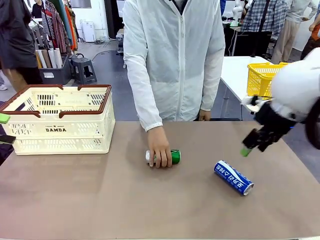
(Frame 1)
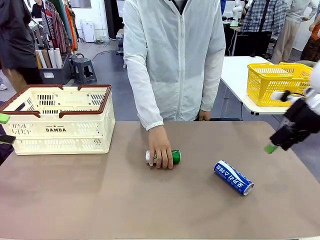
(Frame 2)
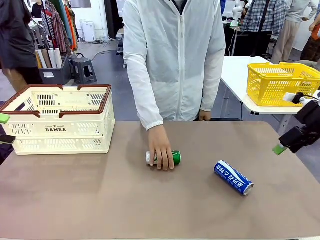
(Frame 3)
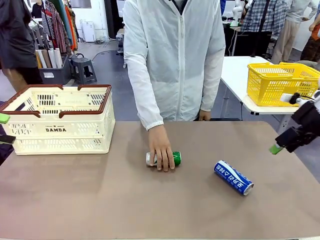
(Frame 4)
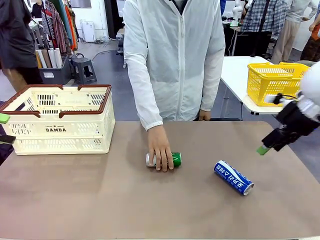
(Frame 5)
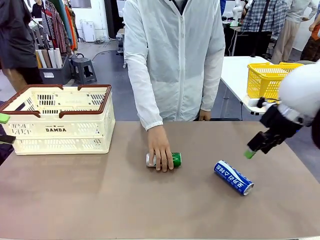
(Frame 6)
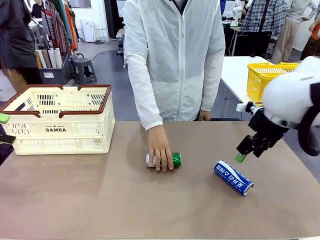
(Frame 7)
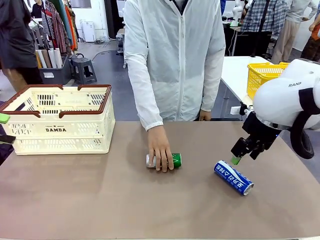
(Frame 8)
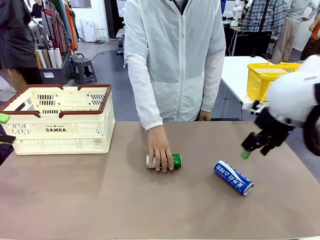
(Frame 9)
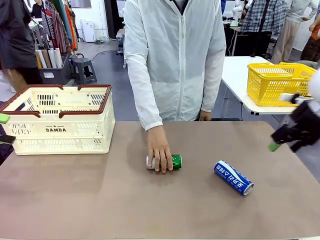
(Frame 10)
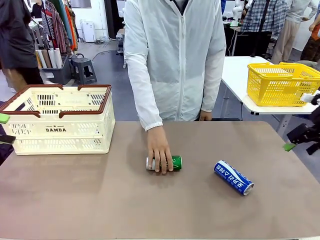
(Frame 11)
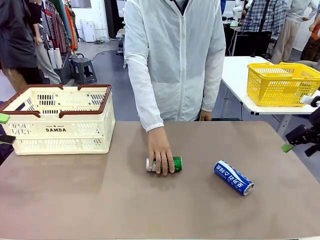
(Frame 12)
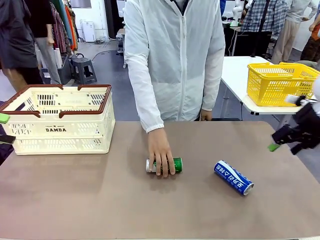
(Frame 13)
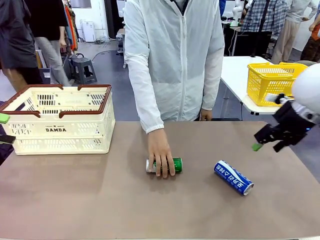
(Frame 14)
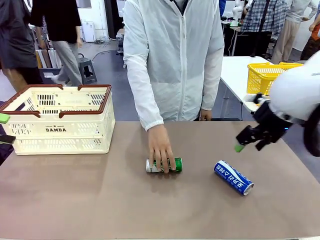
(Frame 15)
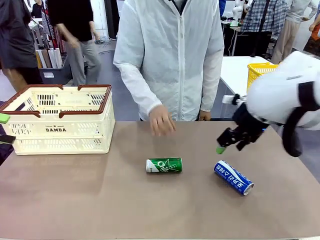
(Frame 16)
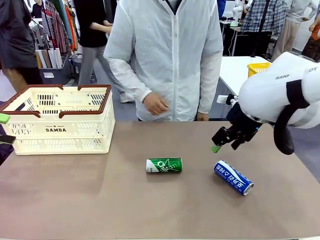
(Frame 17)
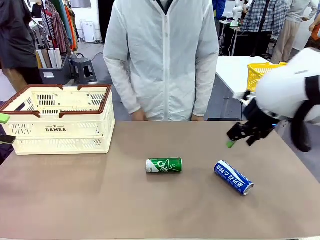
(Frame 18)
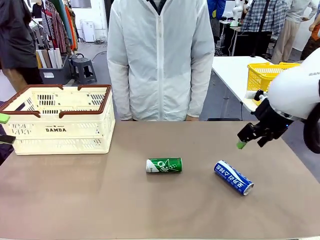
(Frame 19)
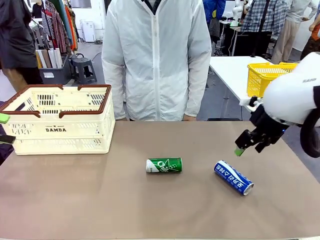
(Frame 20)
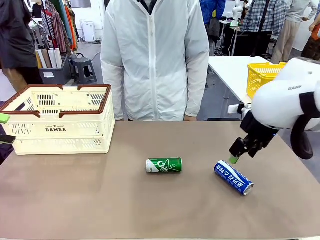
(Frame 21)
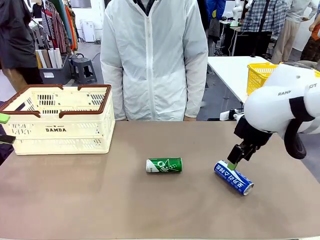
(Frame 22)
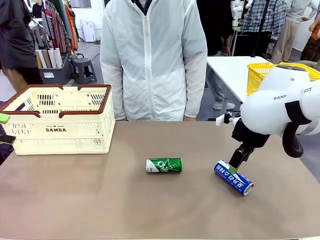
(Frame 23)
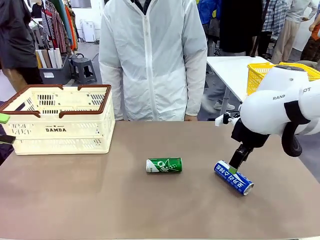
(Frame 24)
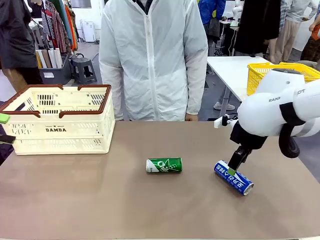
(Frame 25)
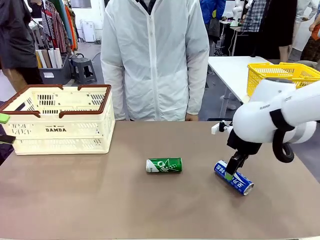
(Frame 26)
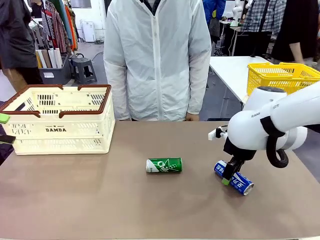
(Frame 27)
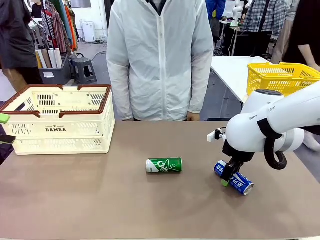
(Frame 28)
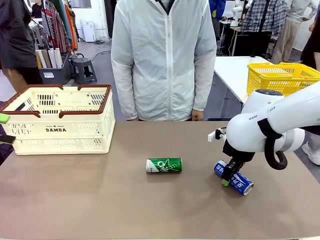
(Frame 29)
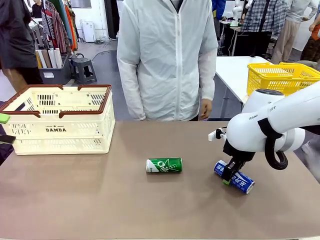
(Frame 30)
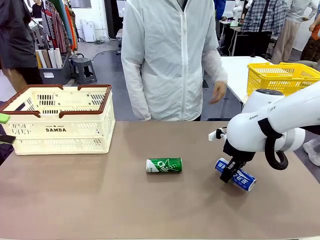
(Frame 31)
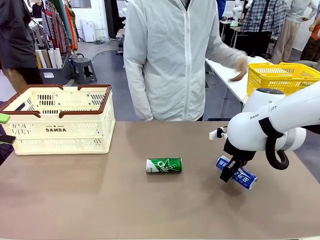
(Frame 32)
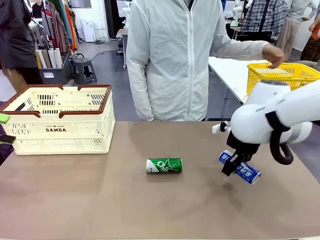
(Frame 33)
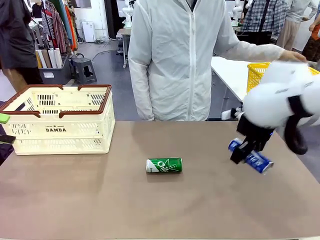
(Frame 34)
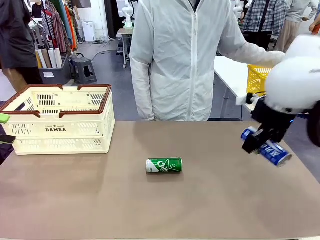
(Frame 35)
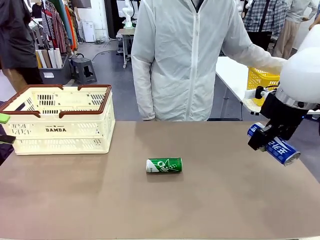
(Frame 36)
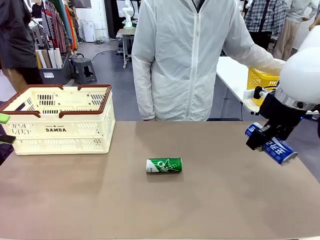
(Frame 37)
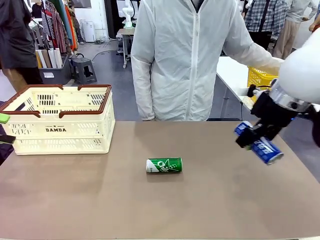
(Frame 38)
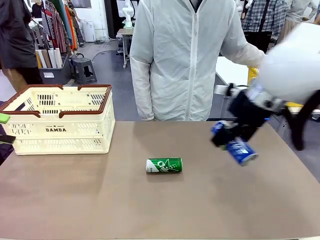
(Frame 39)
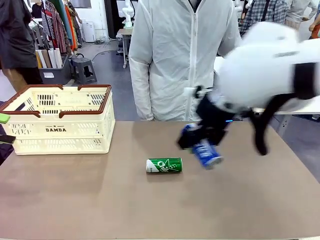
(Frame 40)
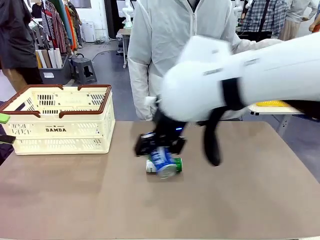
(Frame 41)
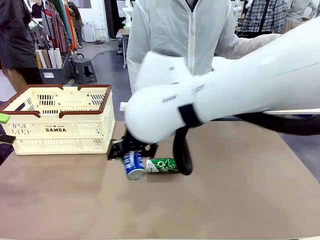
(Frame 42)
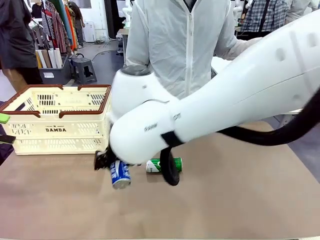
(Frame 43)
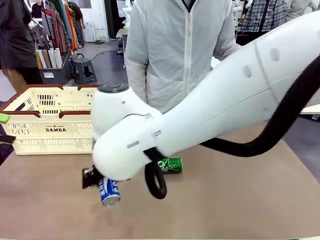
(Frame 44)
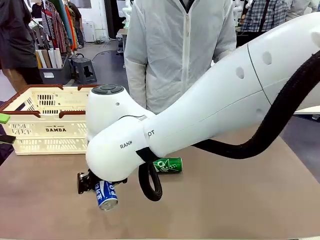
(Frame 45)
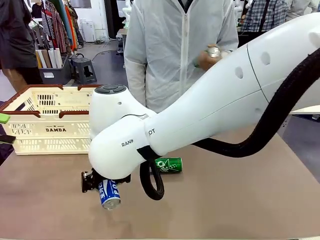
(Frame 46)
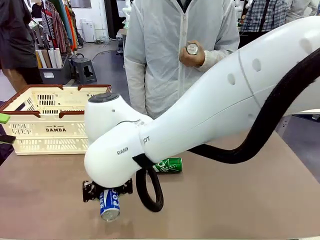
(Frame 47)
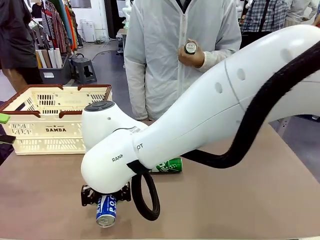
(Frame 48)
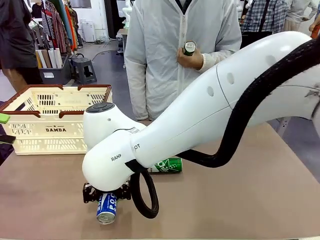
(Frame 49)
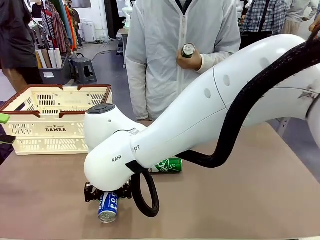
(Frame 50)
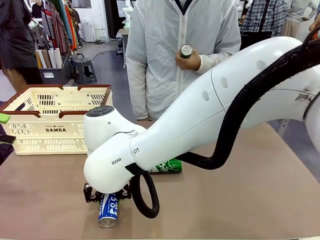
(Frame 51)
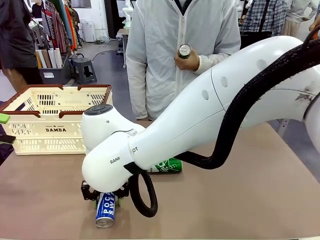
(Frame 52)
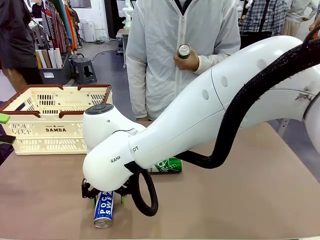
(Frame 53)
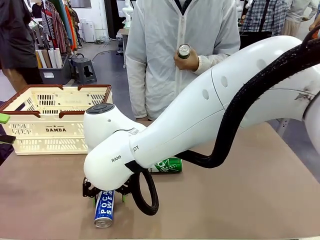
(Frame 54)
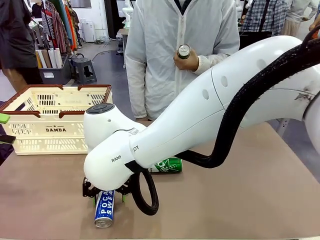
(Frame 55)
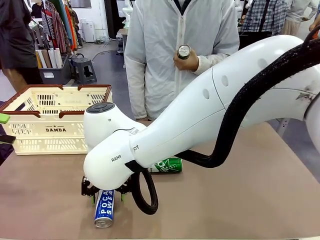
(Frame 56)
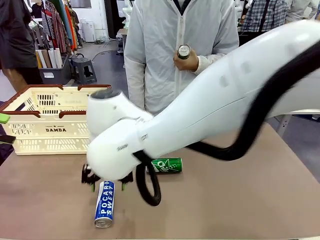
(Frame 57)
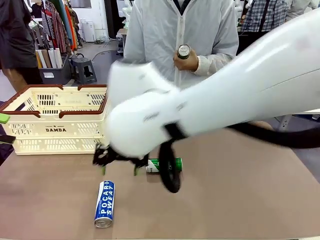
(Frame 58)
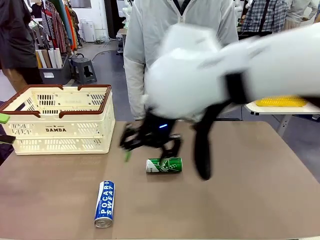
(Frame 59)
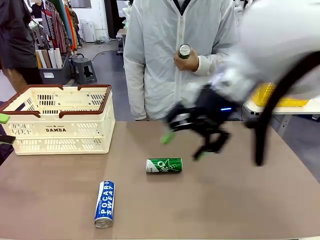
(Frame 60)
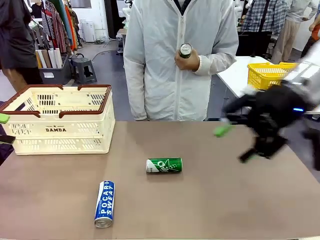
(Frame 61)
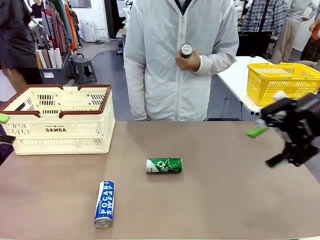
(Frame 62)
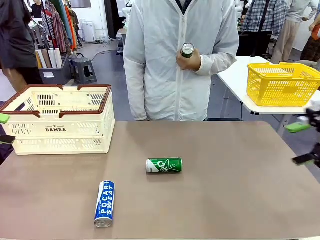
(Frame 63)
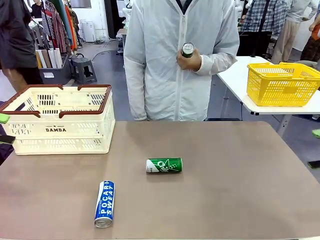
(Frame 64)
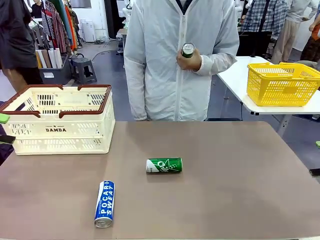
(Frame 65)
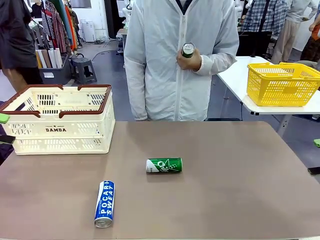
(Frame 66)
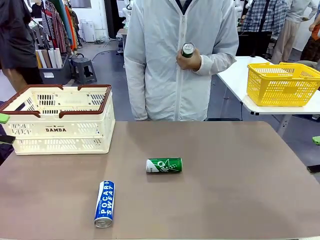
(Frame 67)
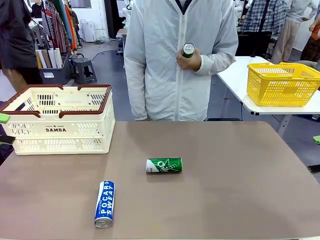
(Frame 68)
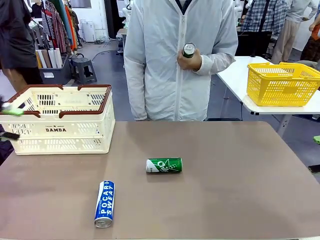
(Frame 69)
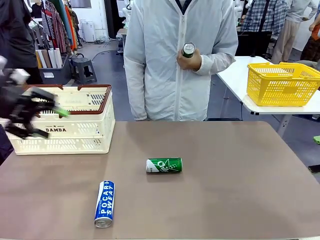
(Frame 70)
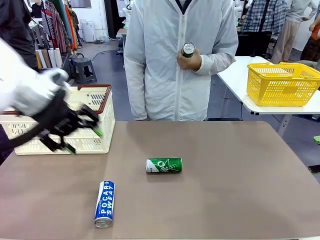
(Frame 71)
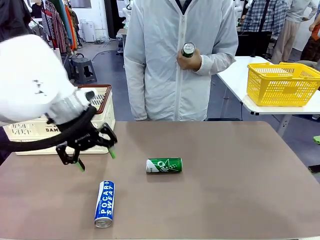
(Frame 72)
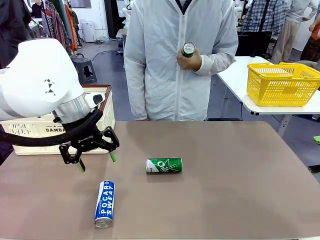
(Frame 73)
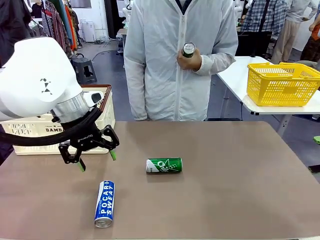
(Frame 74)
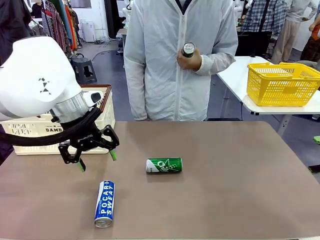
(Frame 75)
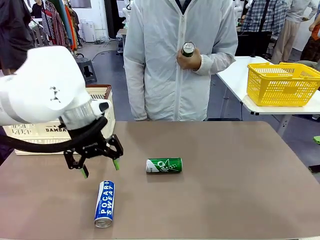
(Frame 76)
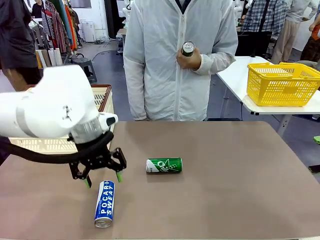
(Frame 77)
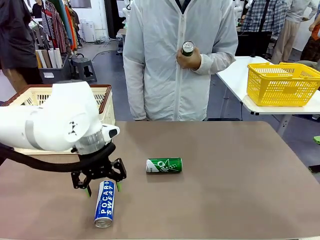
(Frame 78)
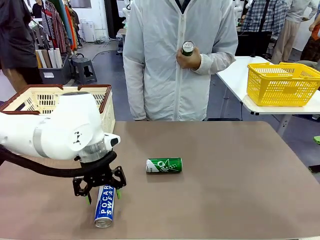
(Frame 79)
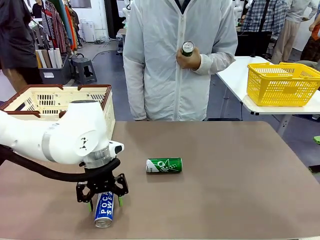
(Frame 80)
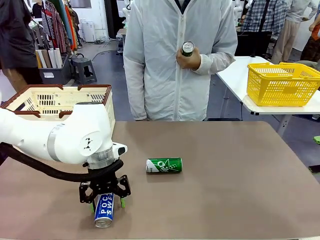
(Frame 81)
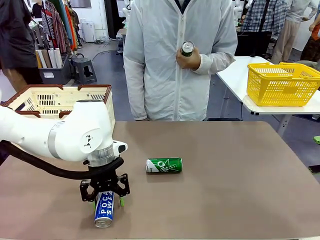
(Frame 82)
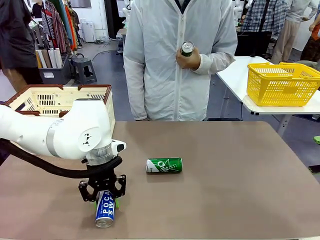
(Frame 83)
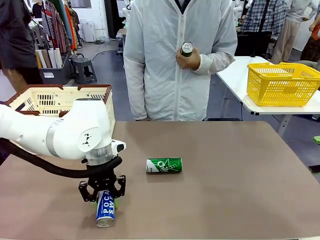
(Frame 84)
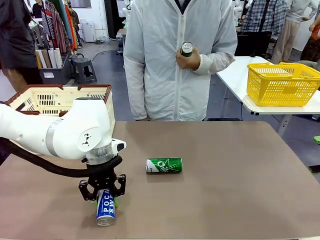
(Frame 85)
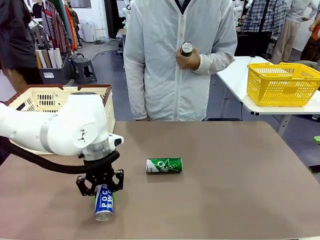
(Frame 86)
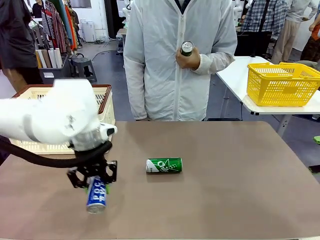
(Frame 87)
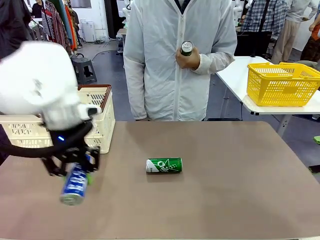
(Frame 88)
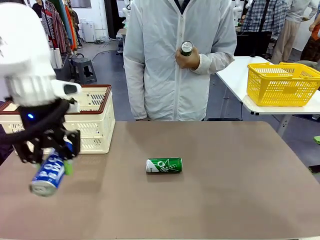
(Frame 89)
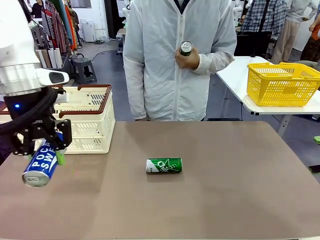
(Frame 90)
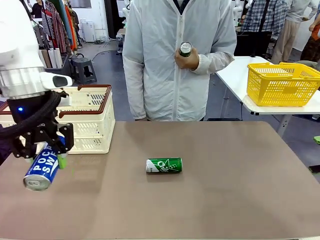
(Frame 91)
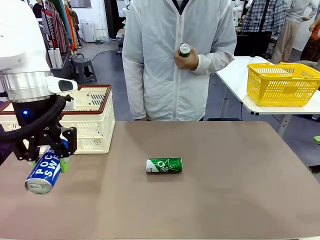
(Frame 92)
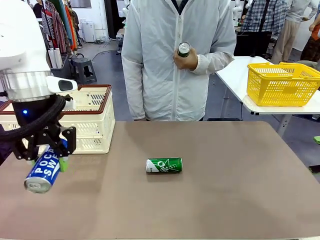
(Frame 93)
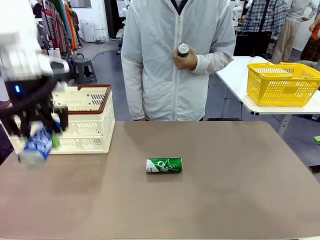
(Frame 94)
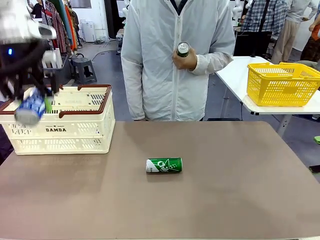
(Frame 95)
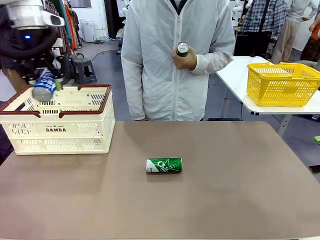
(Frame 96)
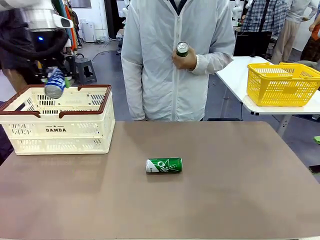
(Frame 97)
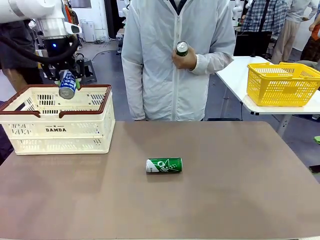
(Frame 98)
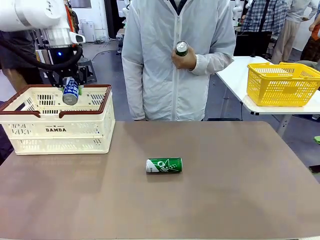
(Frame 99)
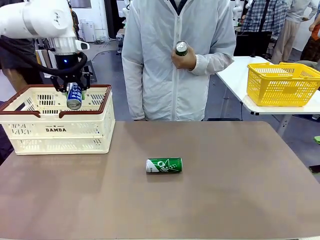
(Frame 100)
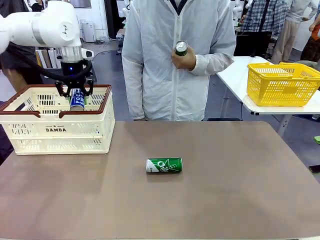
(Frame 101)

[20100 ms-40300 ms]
Task: Place the drinks into the Shopping basket.
Robot: Pick up one drink and place it into the Shopping basket.
